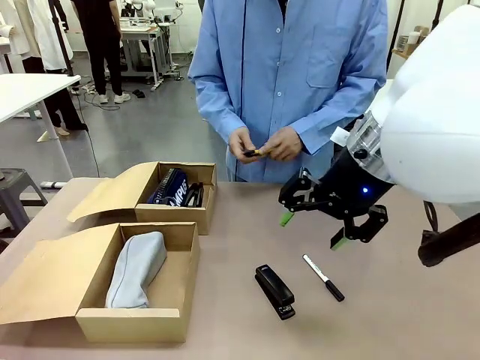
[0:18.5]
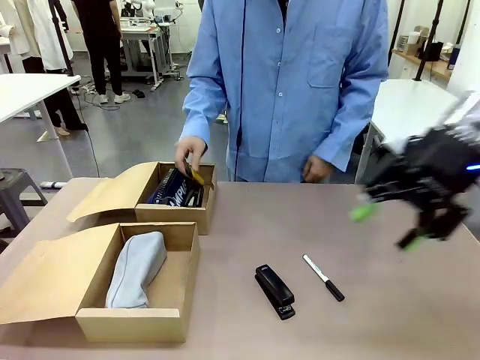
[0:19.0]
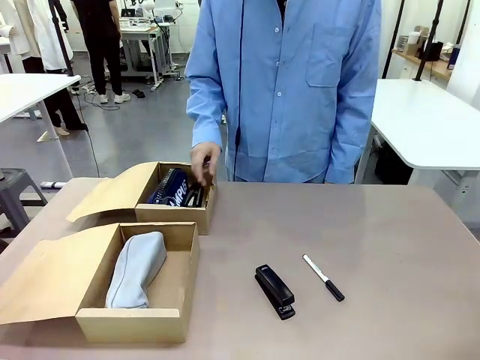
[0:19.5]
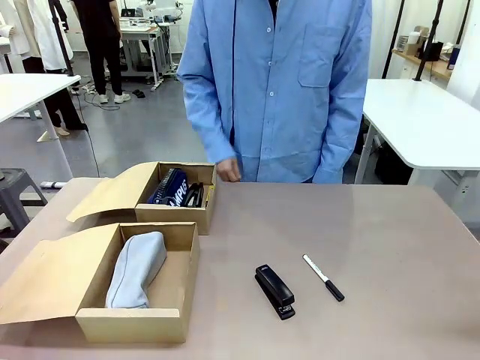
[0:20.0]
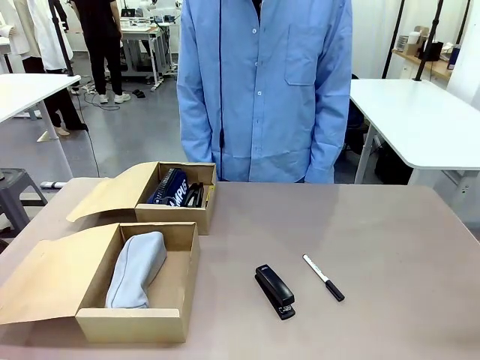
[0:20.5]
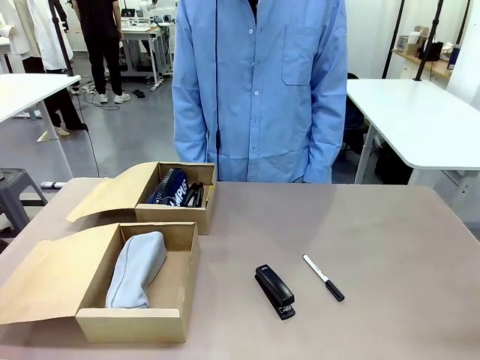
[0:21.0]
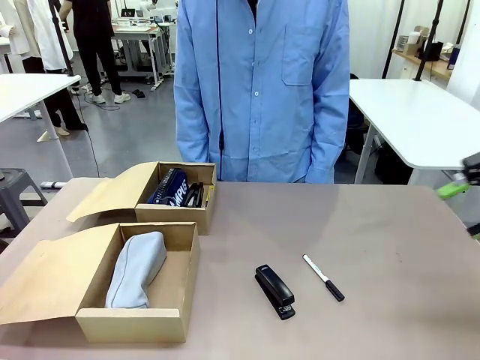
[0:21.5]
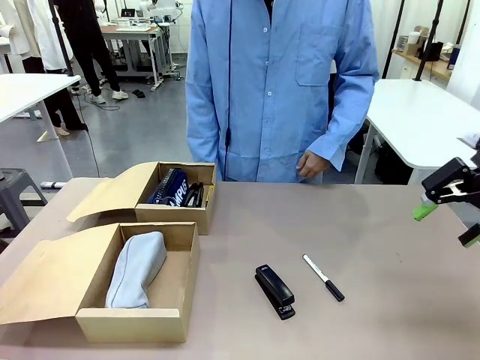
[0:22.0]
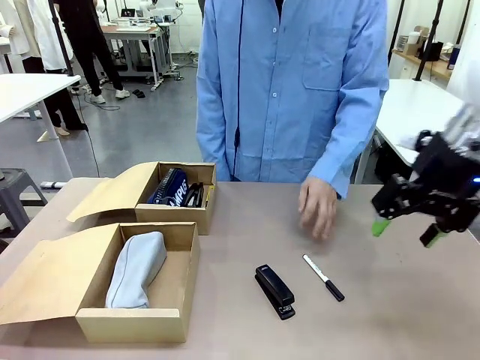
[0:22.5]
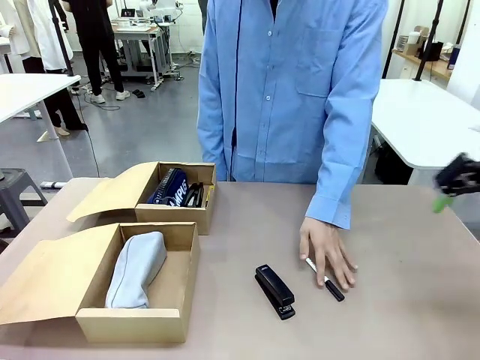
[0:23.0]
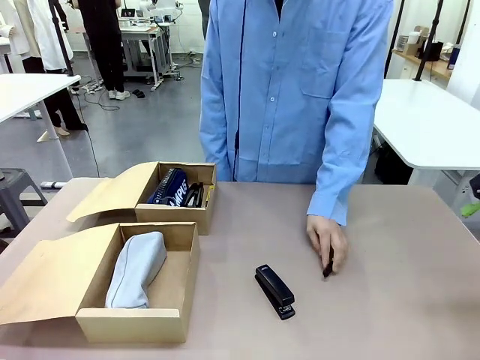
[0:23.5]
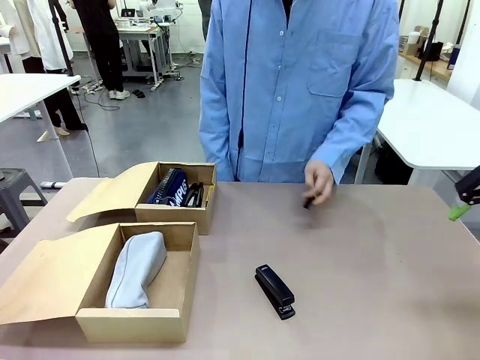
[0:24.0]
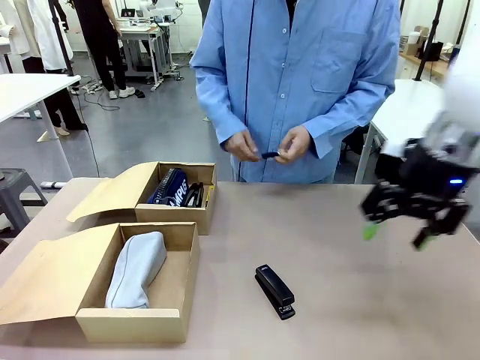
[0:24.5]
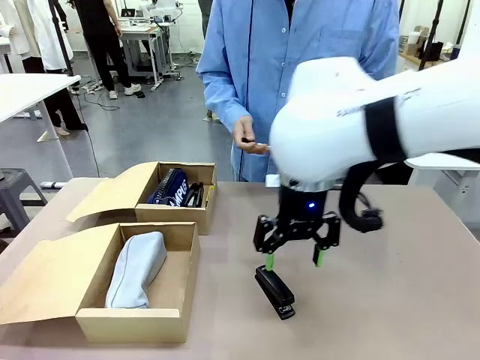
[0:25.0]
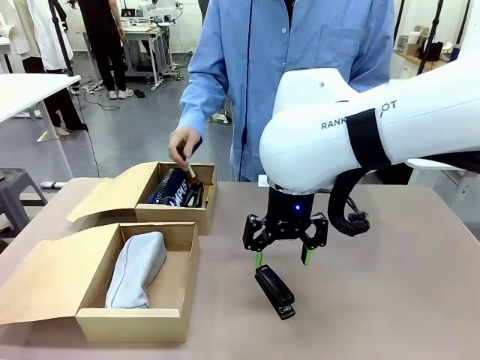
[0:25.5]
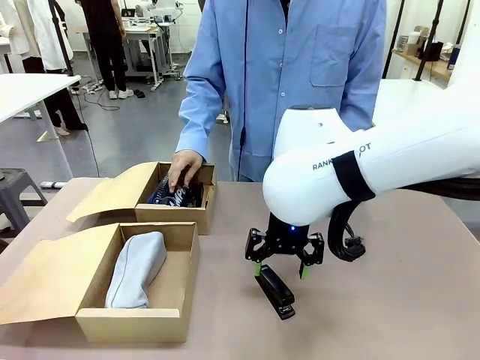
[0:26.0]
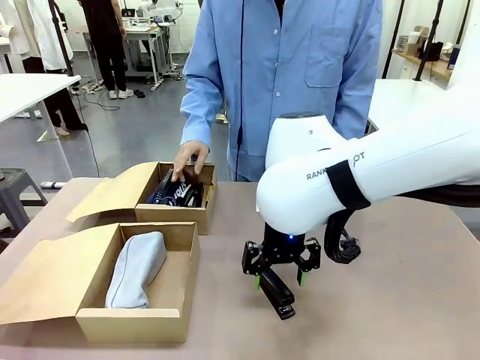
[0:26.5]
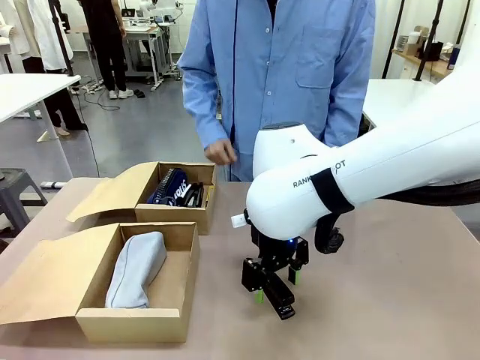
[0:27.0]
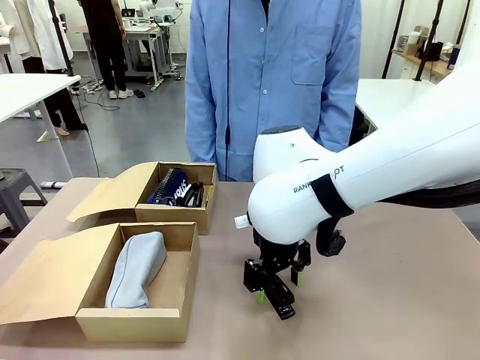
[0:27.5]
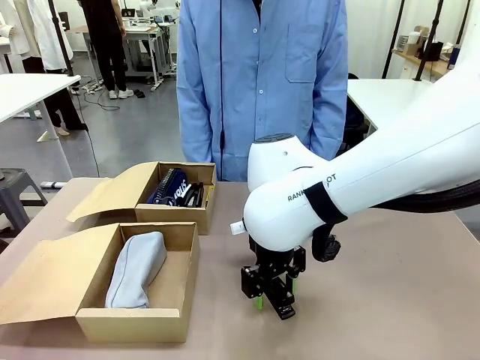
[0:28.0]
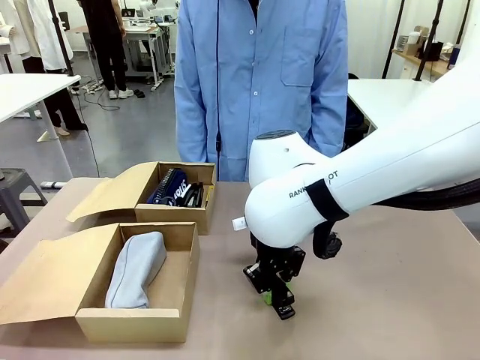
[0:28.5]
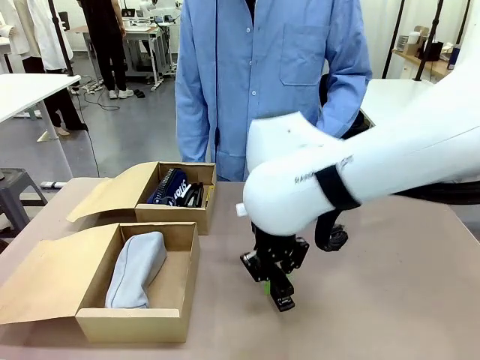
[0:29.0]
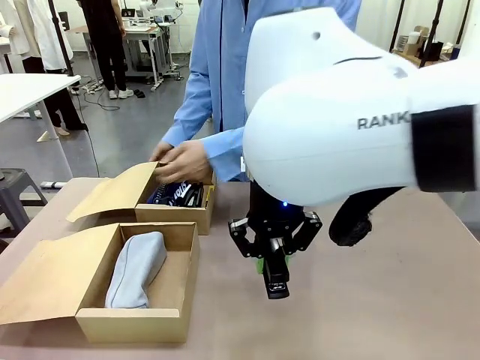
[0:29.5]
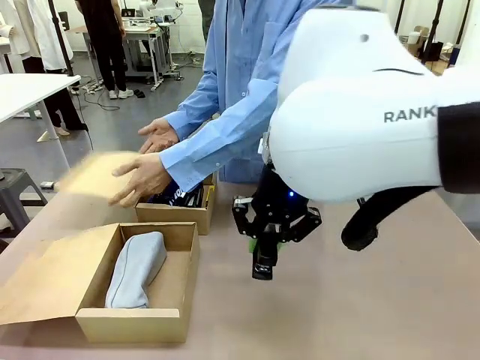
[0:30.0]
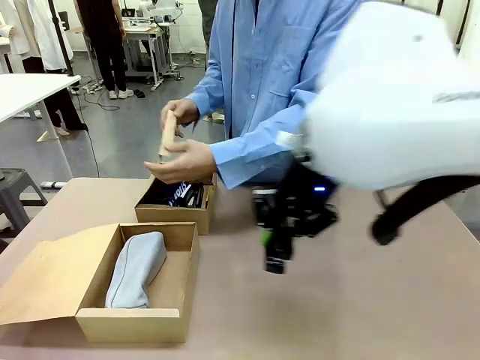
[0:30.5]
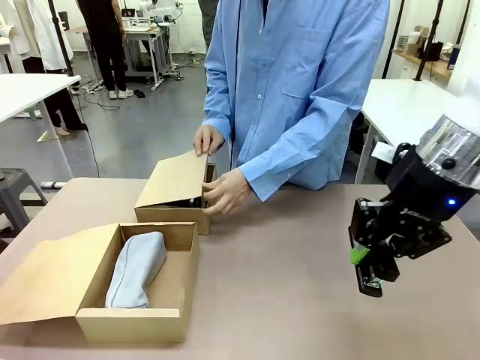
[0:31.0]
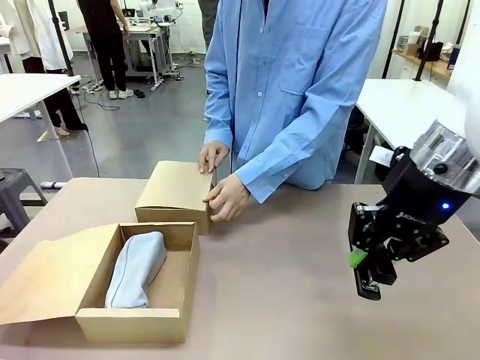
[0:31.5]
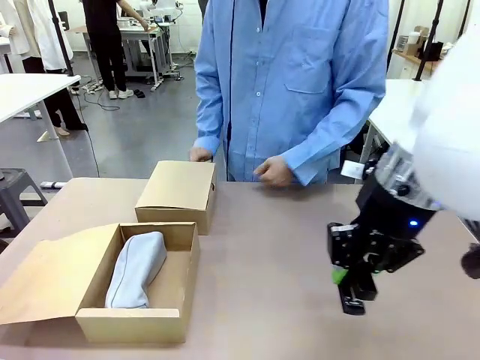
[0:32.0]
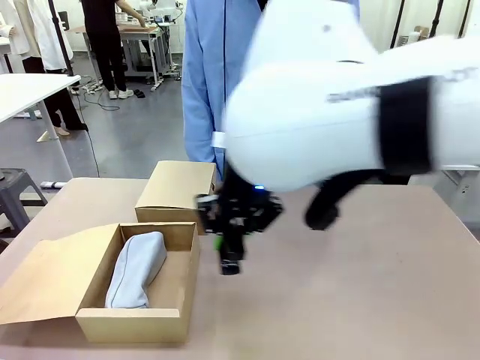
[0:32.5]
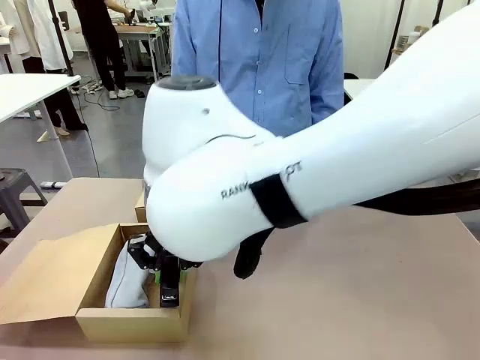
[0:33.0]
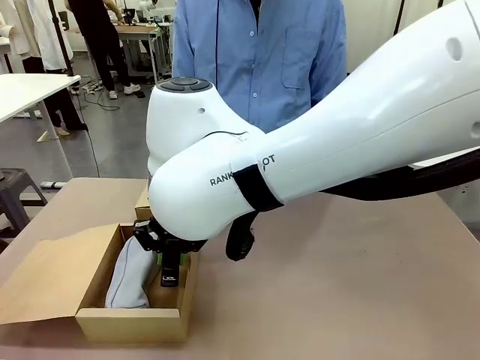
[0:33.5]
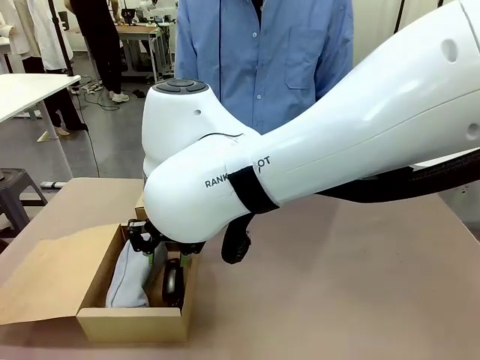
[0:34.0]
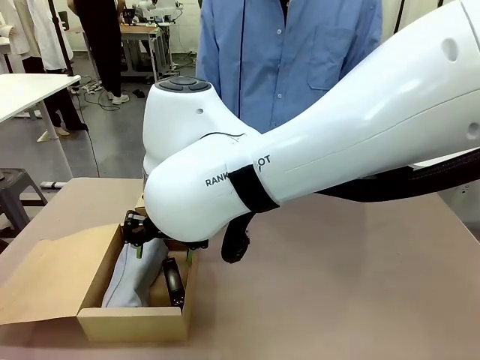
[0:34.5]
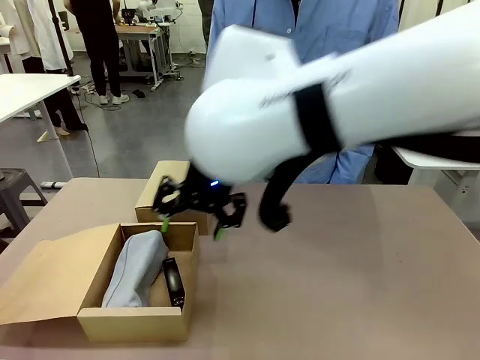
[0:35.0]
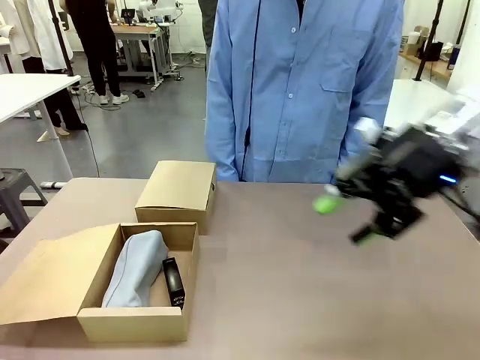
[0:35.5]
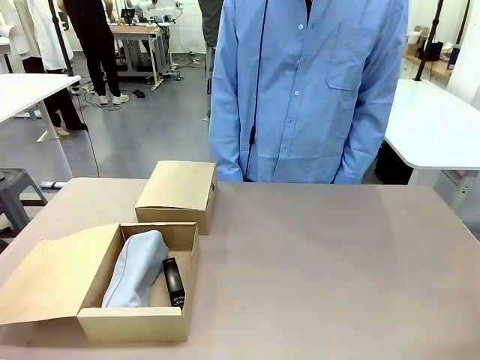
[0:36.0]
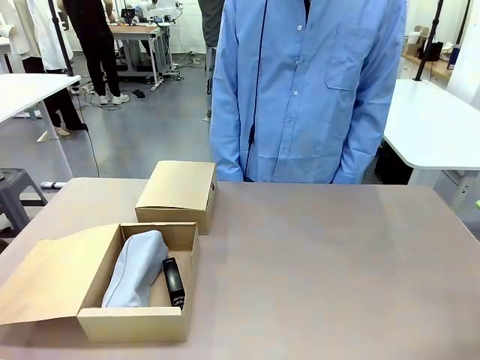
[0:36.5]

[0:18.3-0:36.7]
Task: Place items inside the box.
Robot: Pick up a Pencil pouch or Stapler and place it inside the Mailer Box closest to the robot.

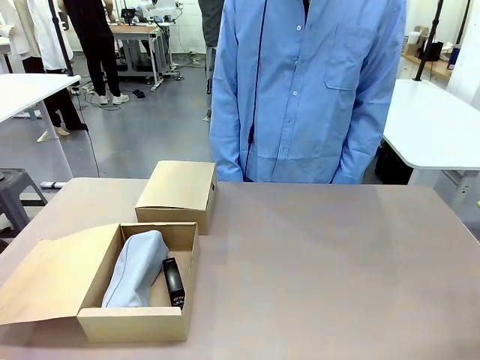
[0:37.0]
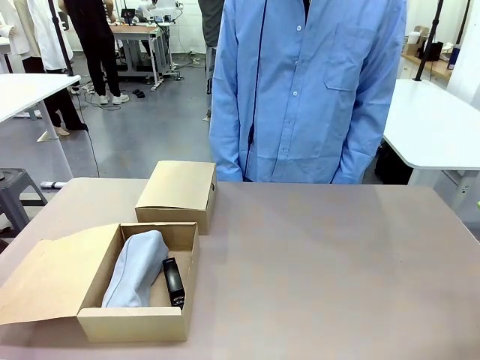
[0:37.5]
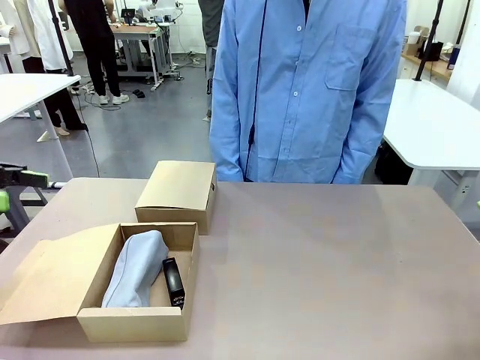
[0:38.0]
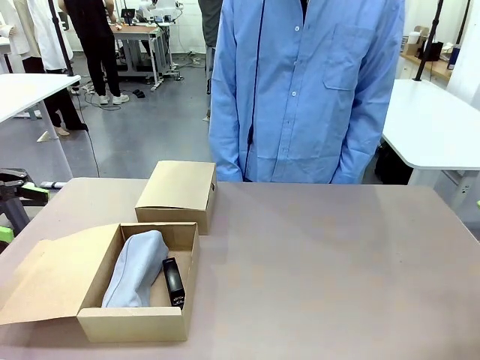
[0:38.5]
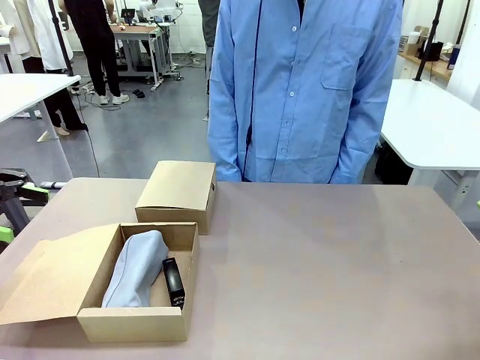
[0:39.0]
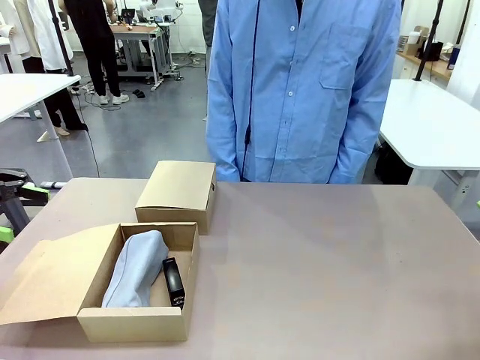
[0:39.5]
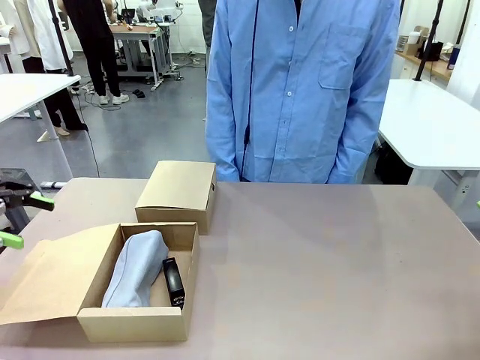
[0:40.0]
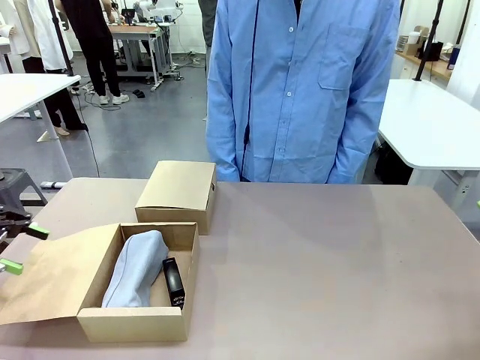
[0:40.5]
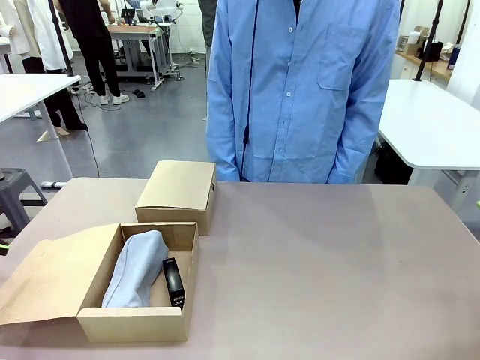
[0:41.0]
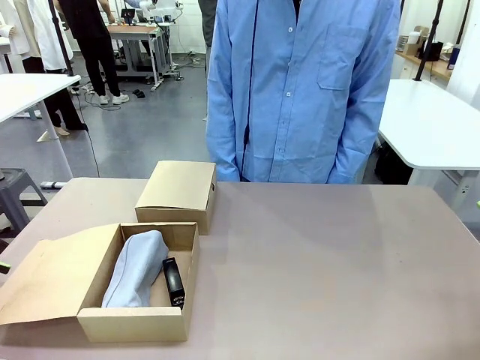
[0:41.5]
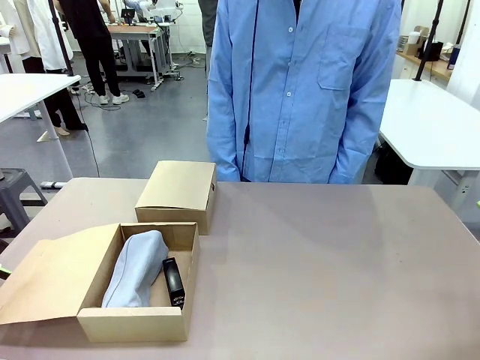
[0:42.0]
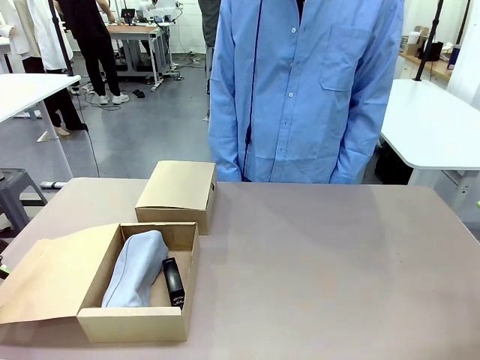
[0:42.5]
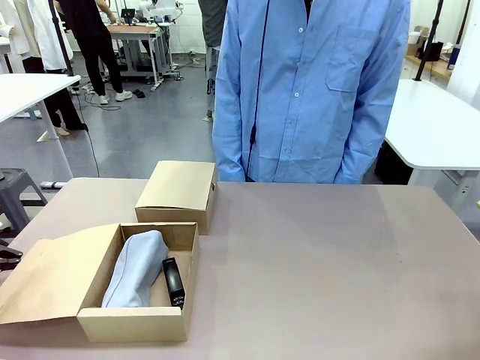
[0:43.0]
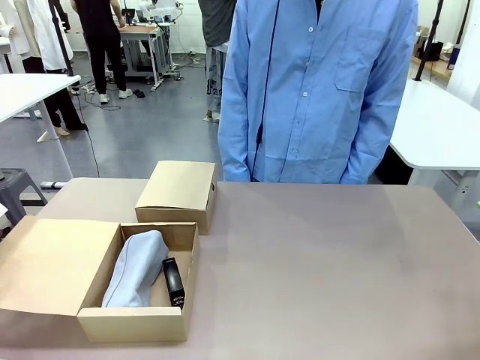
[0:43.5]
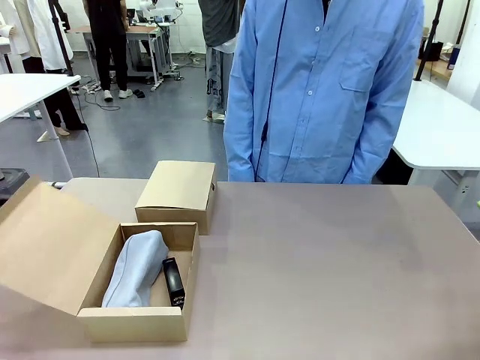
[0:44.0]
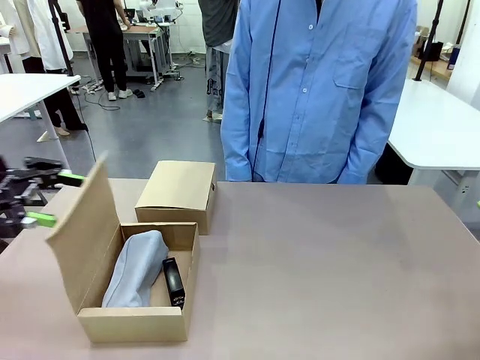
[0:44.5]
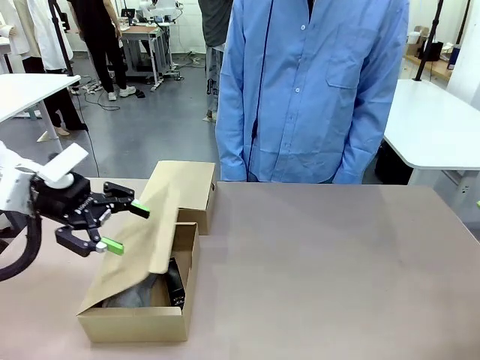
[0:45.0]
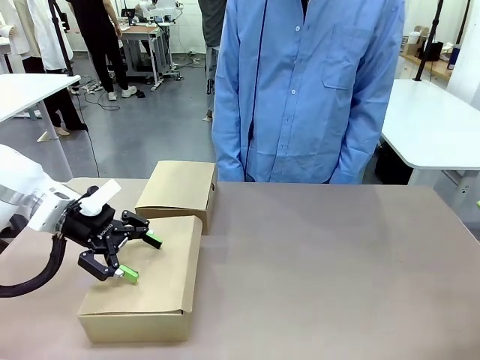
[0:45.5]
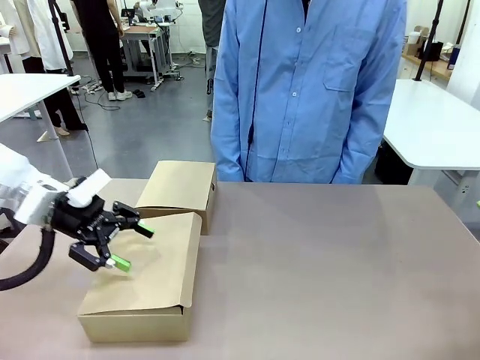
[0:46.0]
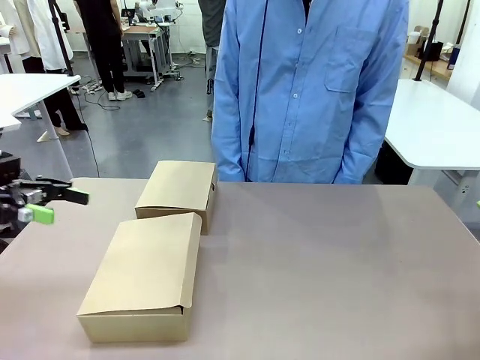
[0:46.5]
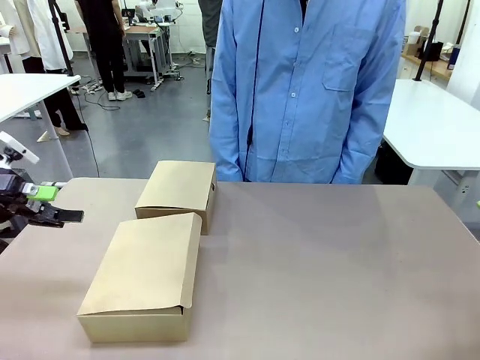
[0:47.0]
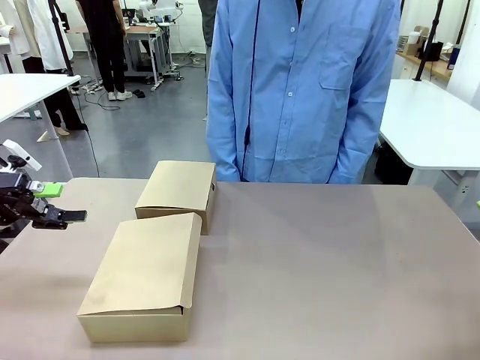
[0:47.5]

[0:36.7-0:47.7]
Robot: Close the lid of the Mailer Box closest to the robot.
Person: Close the lid of the box facing the person.
